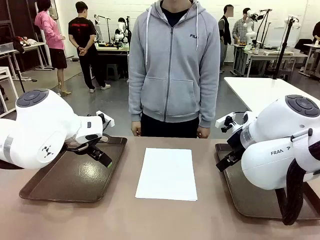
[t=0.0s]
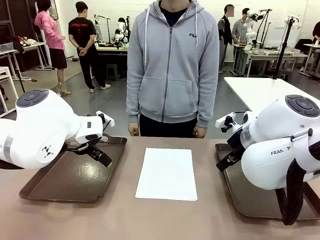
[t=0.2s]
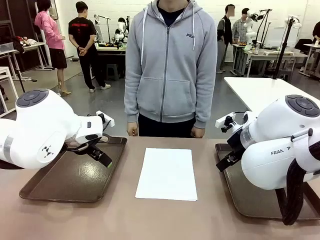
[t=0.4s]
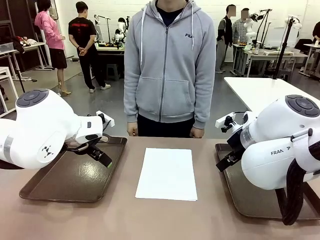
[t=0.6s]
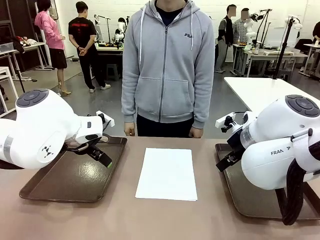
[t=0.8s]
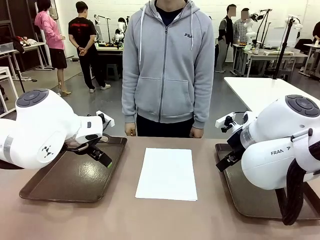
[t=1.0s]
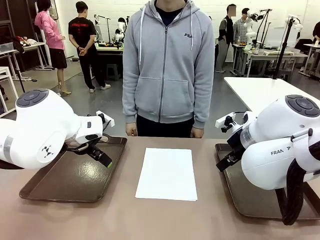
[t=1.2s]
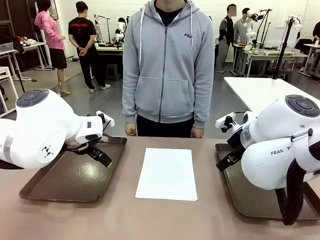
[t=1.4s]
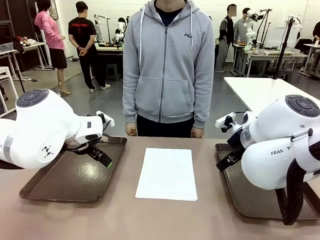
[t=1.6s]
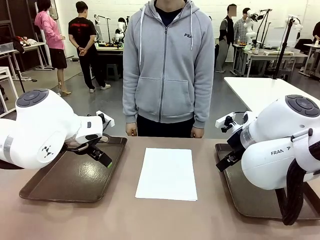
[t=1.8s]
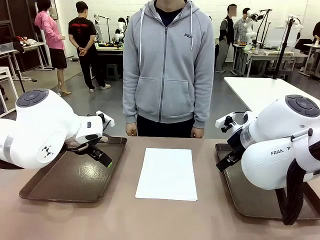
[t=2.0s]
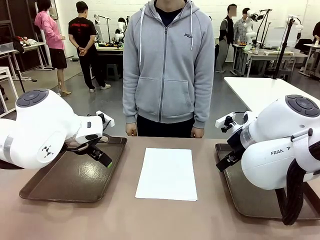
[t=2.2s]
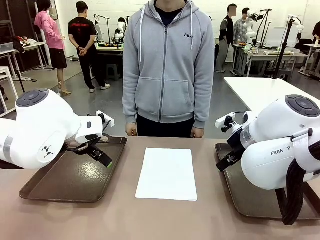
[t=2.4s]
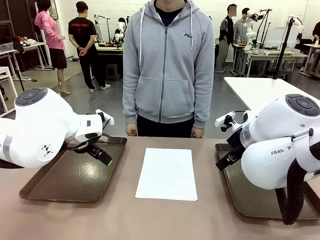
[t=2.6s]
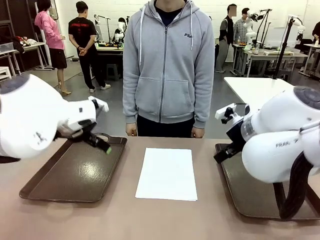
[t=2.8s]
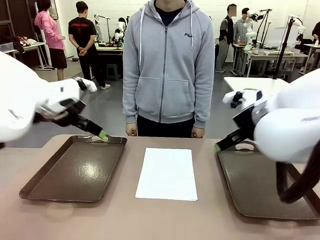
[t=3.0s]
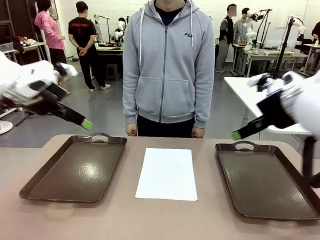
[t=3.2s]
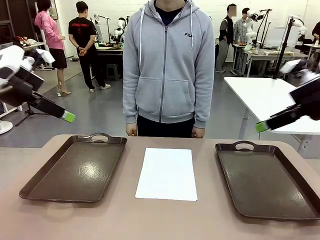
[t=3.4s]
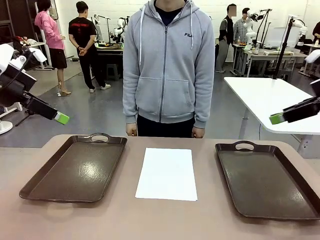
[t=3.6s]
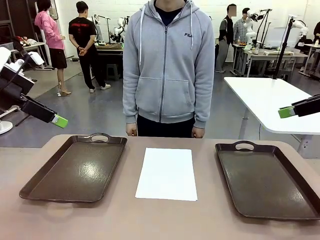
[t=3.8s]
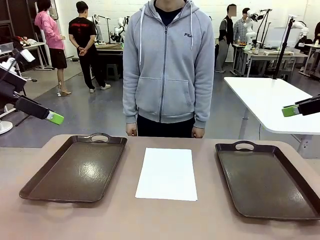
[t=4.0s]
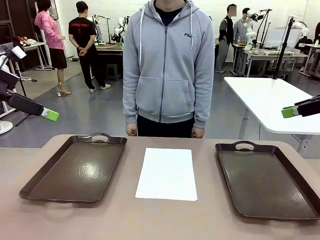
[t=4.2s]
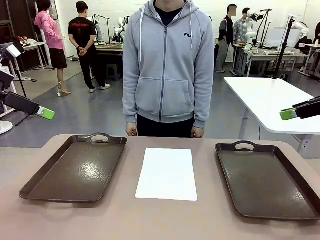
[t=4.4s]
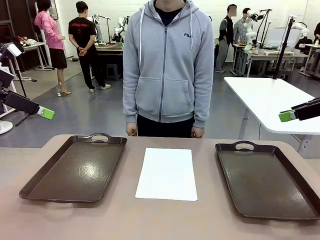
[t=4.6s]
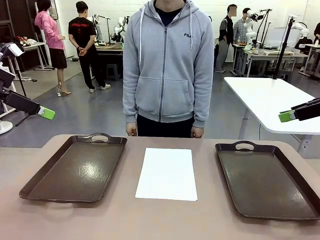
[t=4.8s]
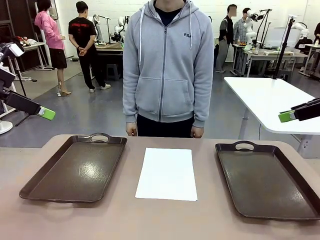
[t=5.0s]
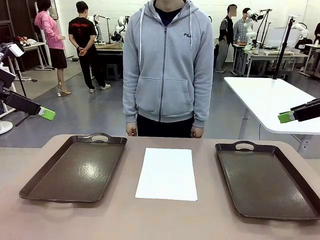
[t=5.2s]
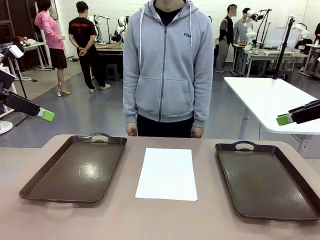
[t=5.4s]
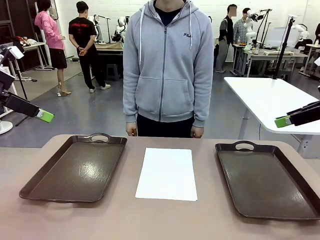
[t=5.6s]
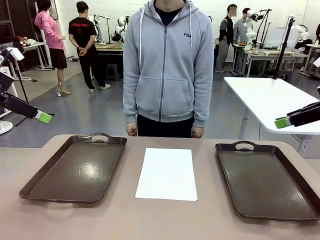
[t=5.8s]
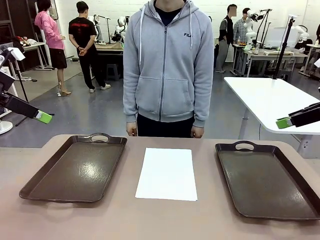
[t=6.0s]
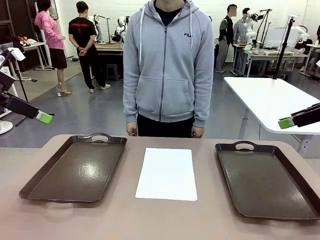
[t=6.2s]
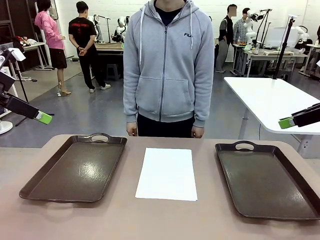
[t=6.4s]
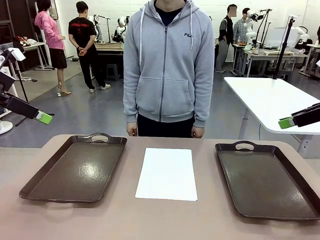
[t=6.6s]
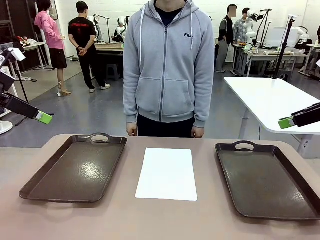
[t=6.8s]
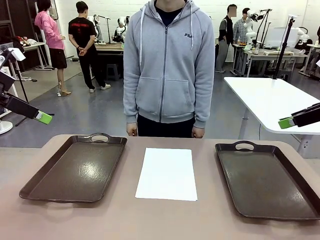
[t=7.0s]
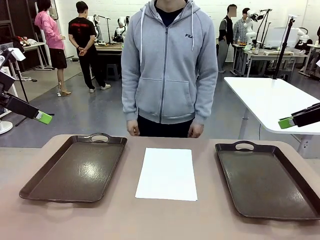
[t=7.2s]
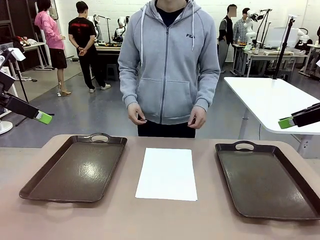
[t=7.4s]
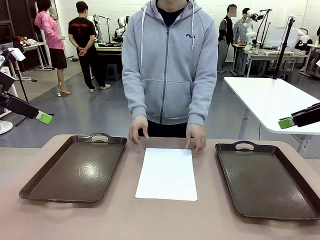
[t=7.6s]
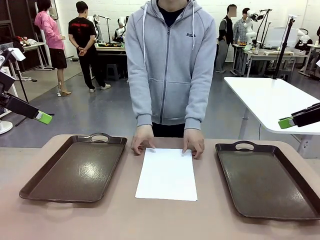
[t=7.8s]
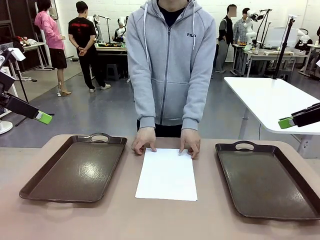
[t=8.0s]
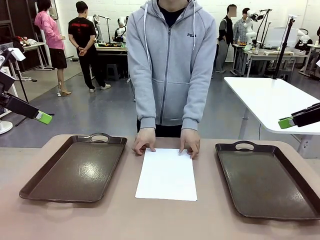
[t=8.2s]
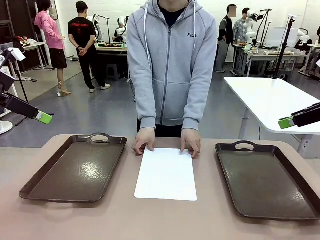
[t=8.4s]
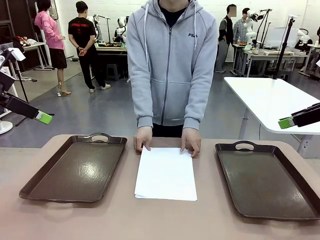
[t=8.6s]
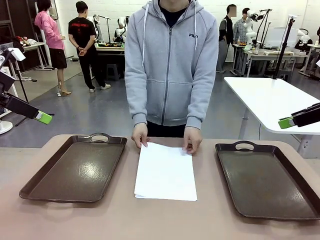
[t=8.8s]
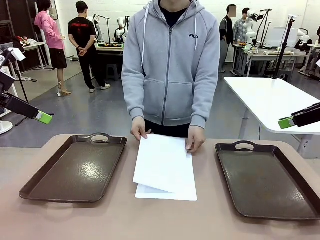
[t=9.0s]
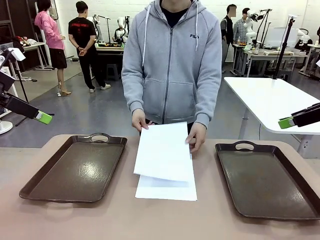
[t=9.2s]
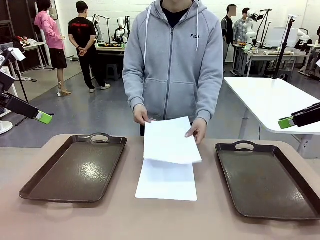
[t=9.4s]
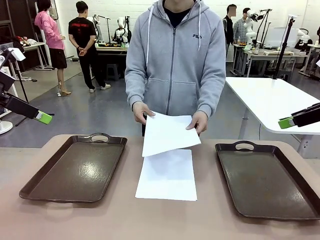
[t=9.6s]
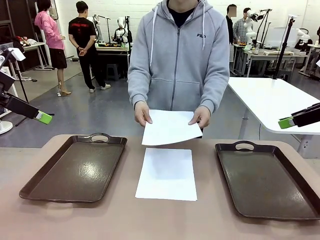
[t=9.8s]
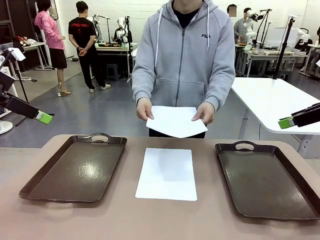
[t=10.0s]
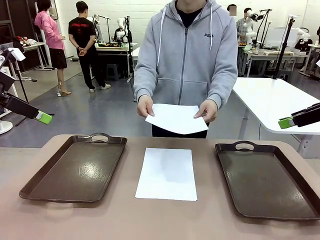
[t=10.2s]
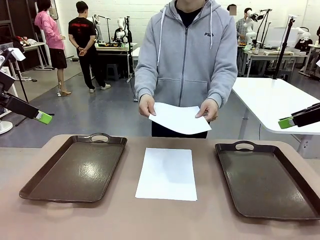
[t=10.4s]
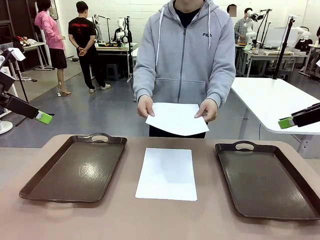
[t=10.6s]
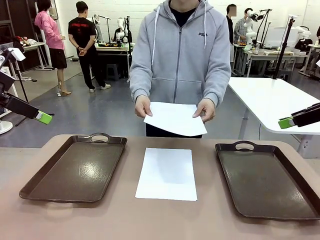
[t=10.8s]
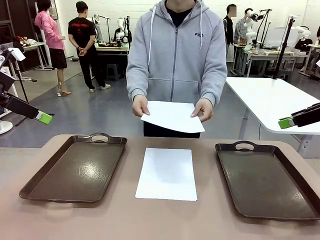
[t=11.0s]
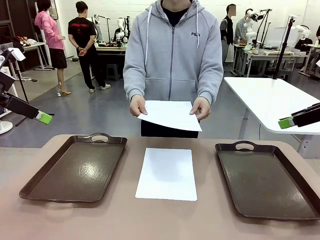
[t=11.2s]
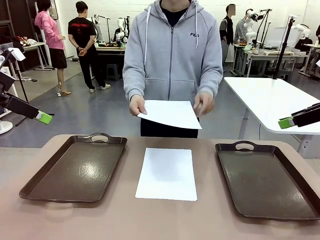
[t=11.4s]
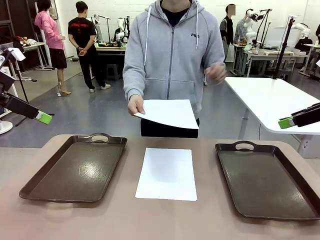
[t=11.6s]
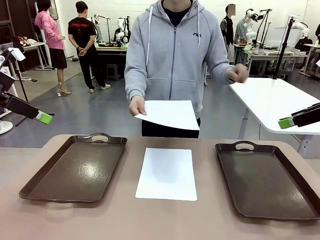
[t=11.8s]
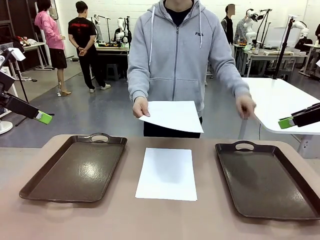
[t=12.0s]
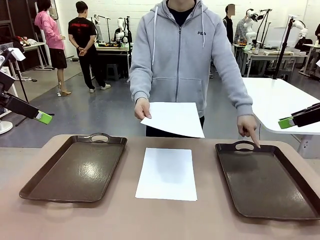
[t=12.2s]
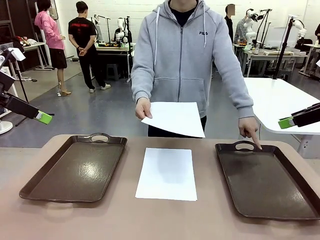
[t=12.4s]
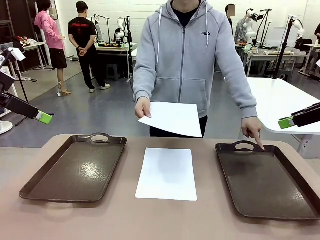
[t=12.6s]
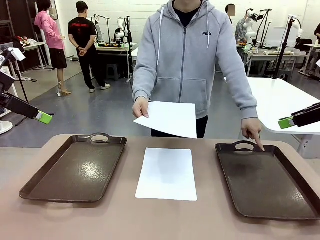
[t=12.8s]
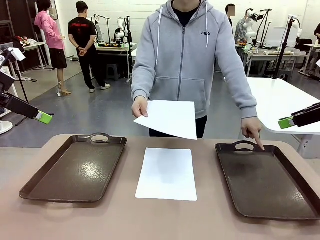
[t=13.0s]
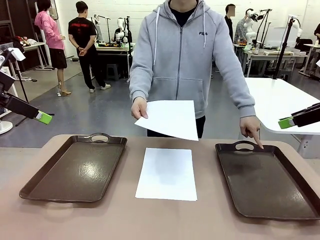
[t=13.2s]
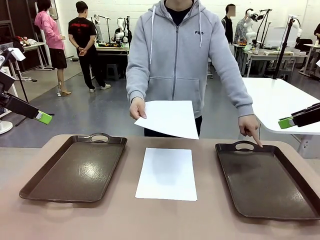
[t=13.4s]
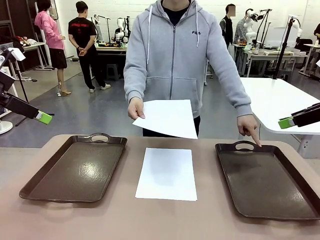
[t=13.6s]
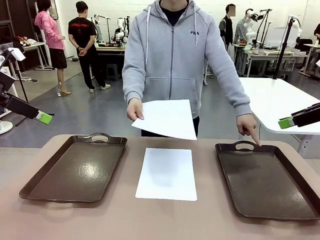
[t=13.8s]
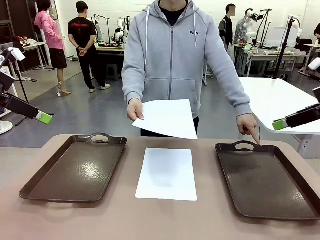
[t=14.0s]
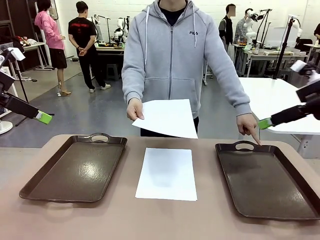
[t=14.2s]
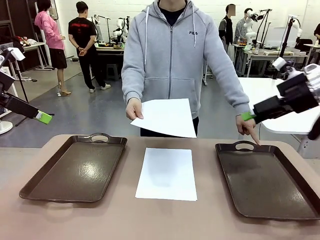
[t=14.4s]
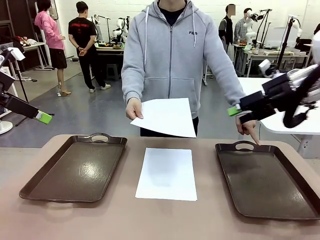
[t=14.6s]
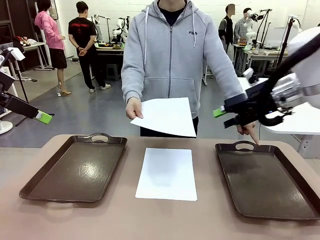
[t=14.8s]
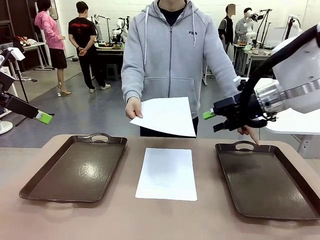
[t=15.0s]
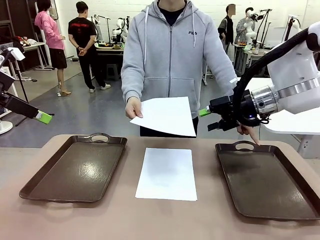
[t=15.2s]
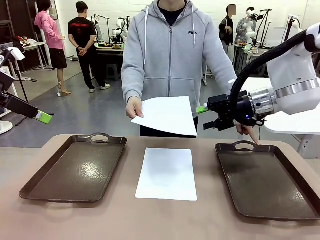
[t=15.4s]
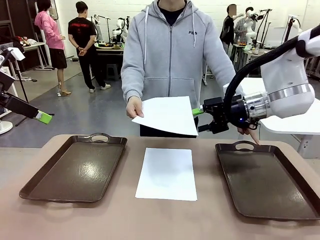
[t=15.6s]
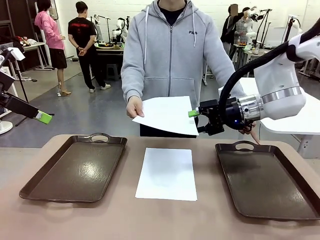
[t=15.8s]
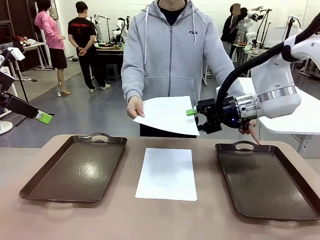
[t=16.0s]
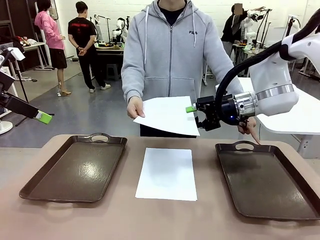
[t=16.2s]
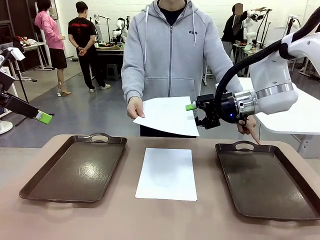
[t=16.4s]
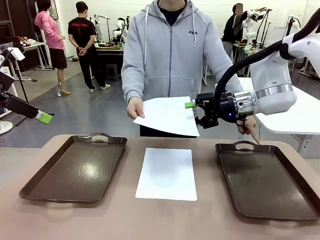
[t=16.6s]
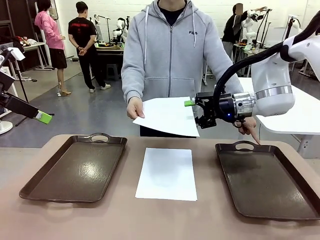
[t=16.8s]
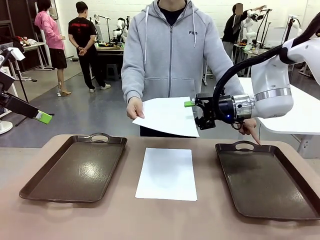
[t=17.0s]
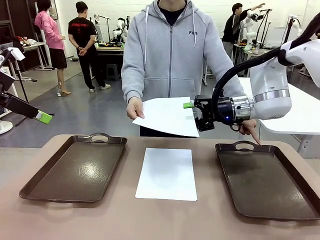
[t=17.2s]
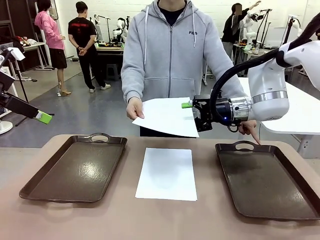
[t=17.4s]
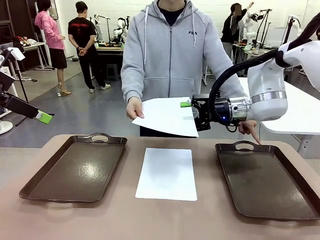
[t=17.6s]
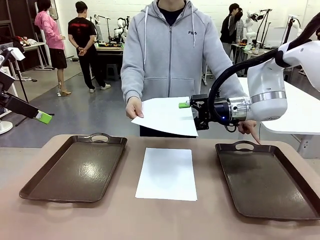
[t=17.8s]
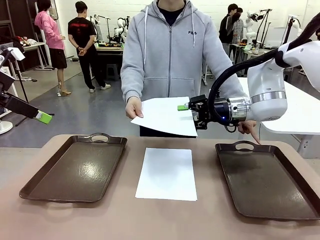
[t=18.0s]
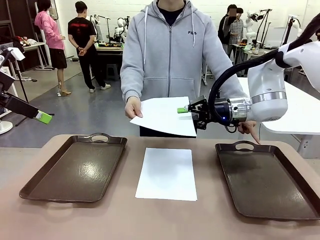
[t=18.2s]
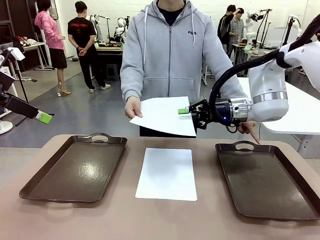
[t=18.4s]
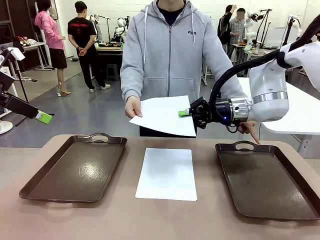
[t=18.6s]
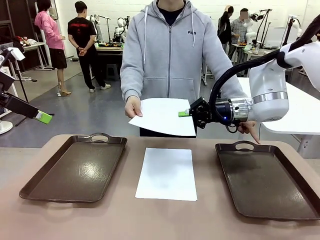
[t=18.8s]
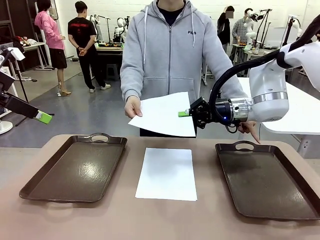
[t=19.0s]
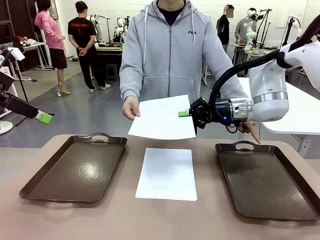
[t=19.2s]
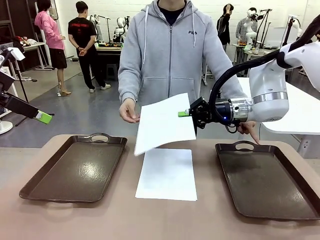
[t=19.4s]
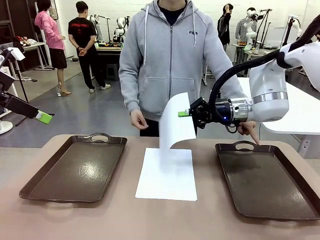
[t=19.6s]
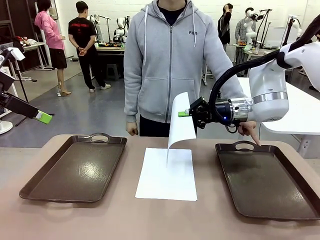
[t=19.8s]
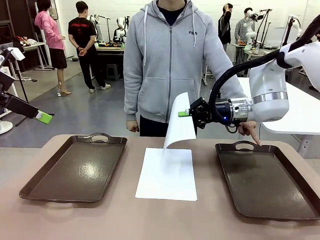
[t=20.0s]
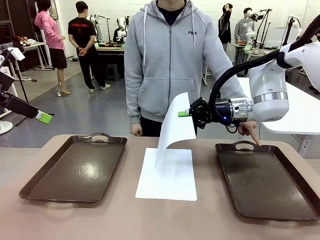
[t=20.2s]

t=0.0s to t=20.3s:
Task: Sort the A4 documents.
Robot: Receive the A4 Paper.
Person: Pick up a sheet of paper from the center of the table and hand it to the robot. Point the randomly selected tray with the other hand.
